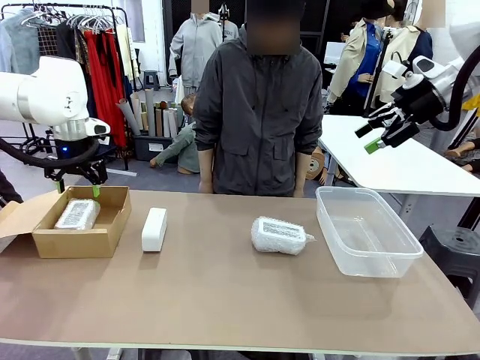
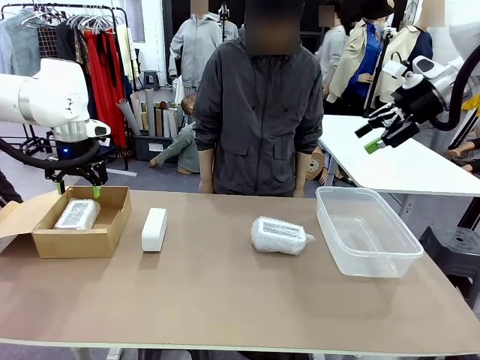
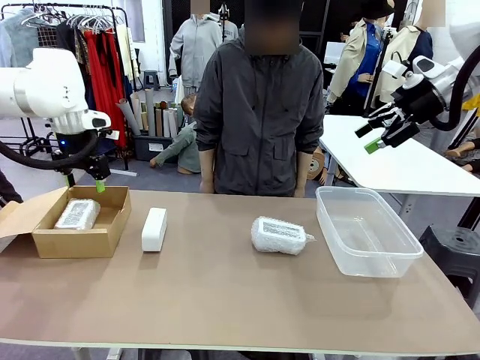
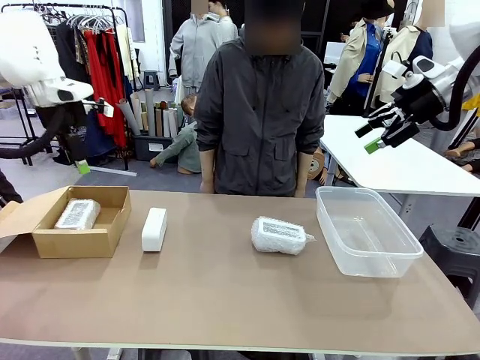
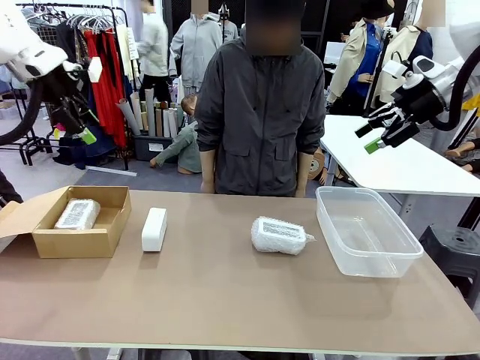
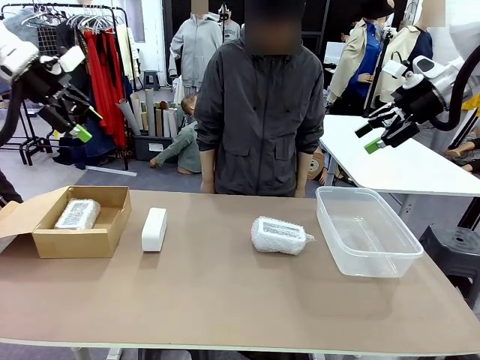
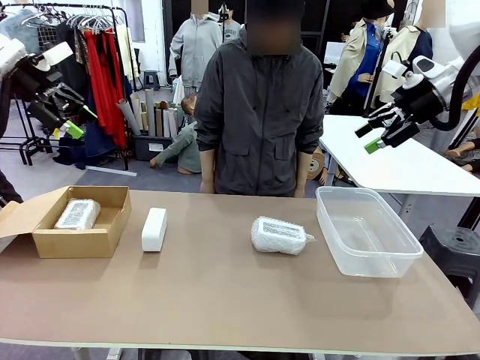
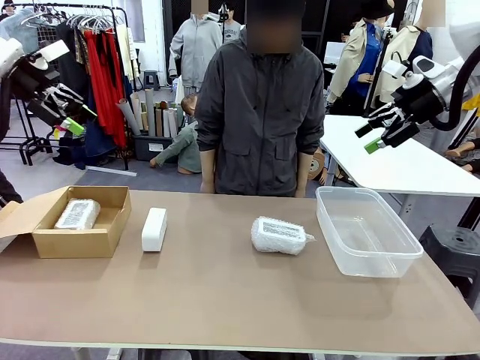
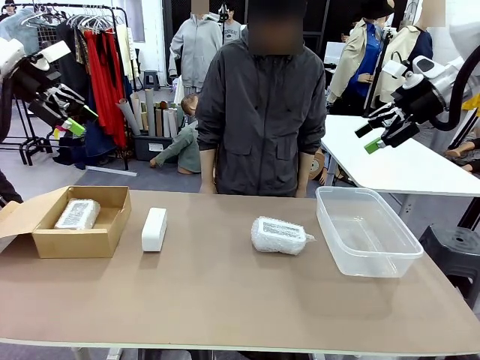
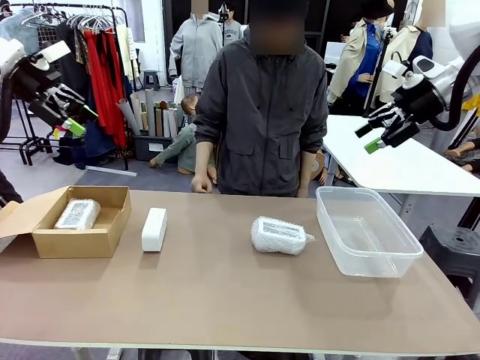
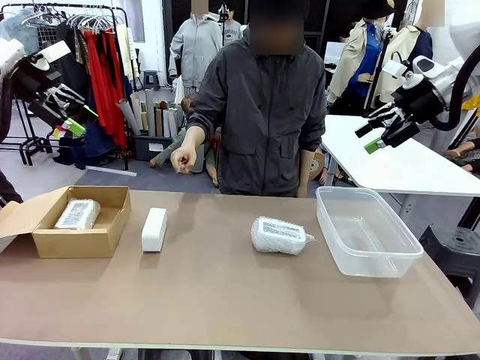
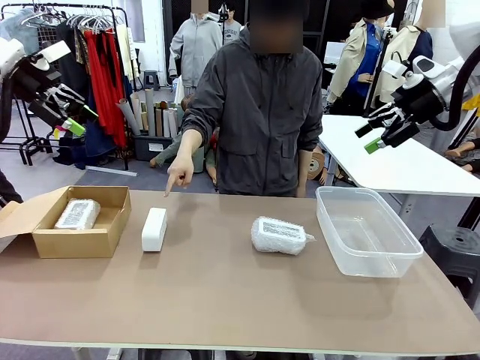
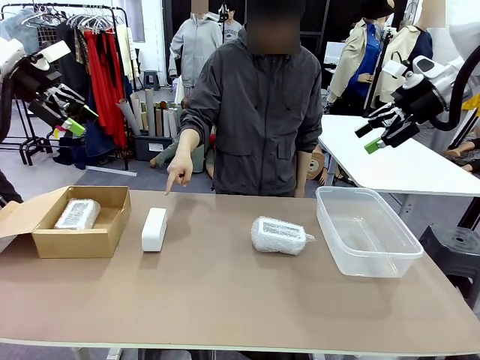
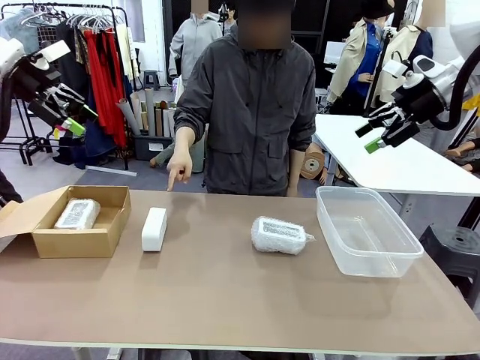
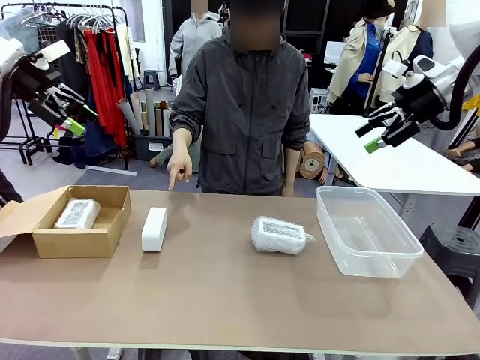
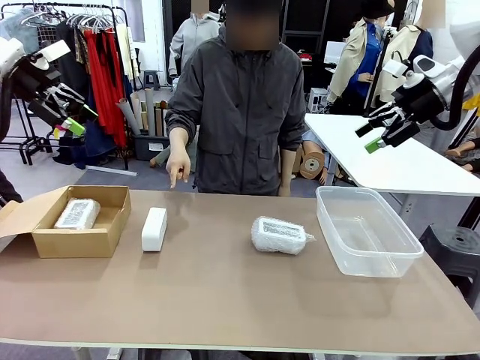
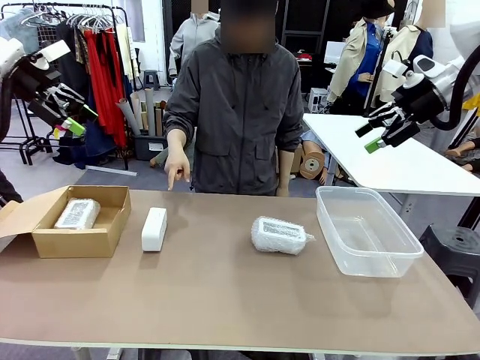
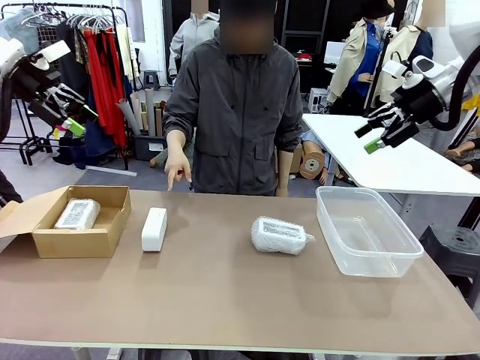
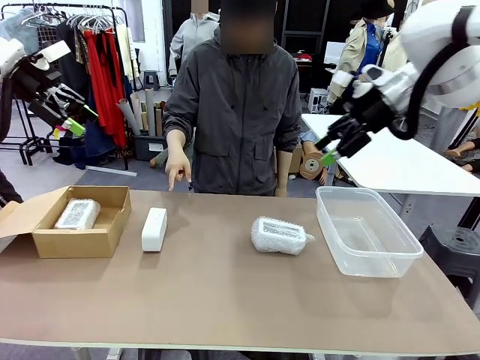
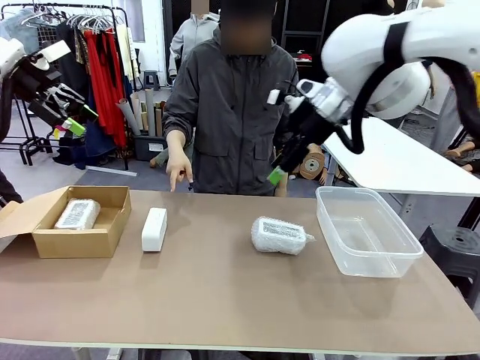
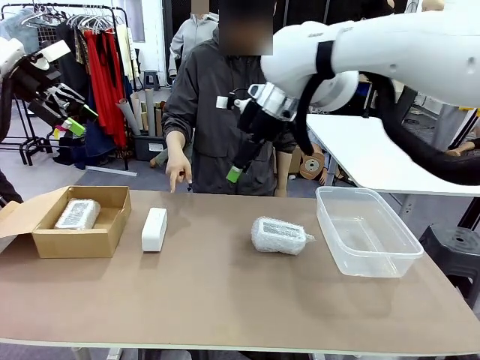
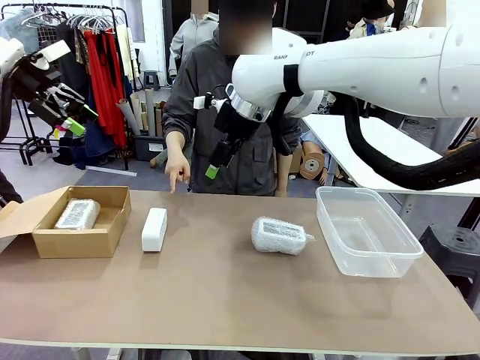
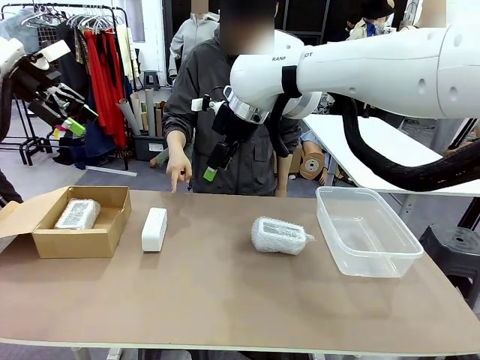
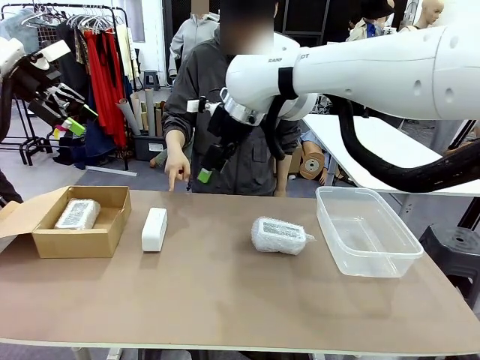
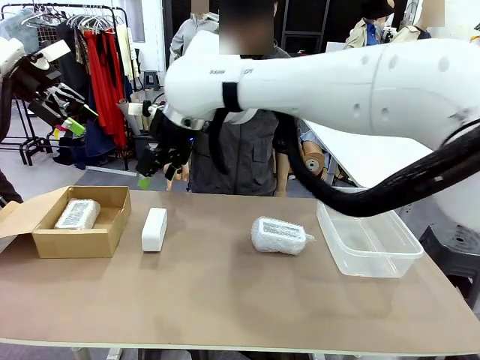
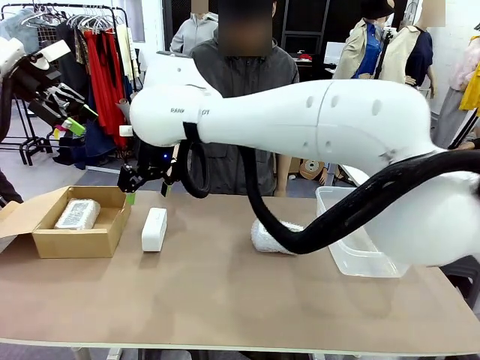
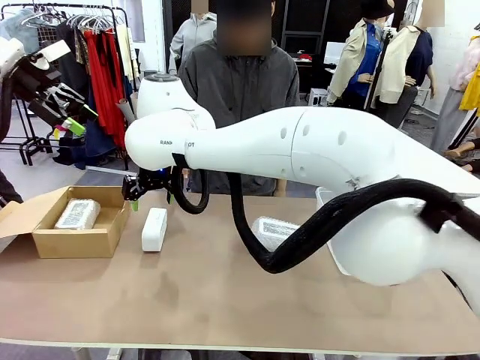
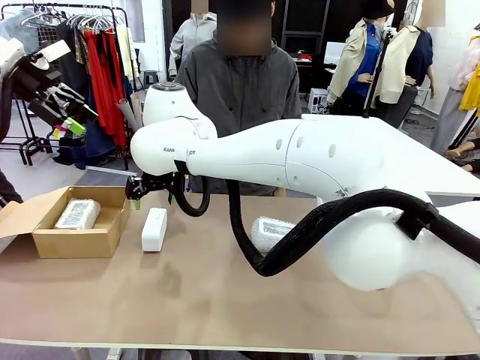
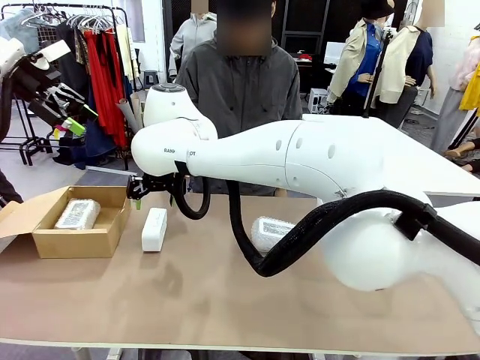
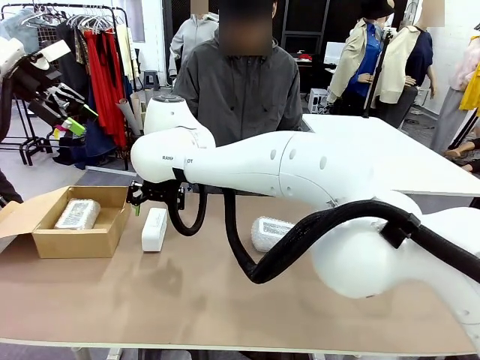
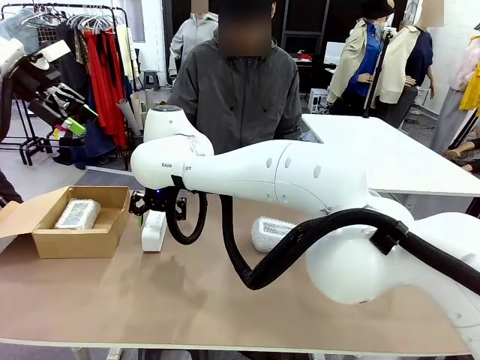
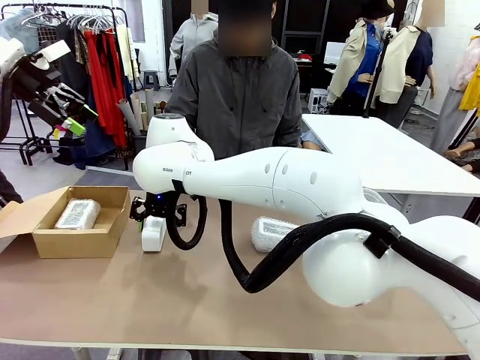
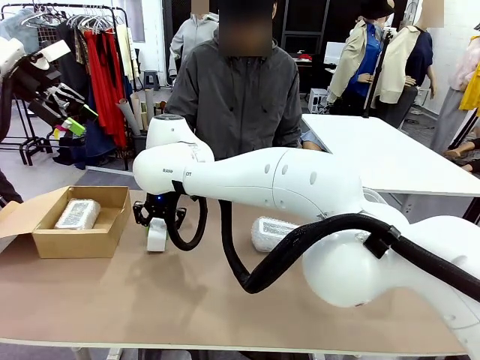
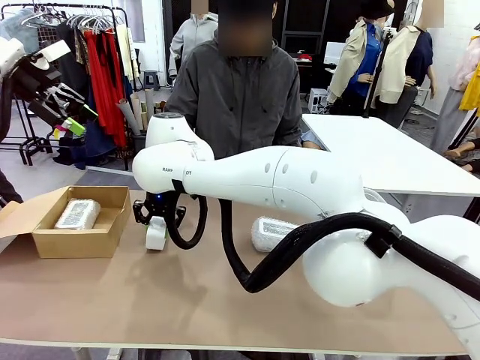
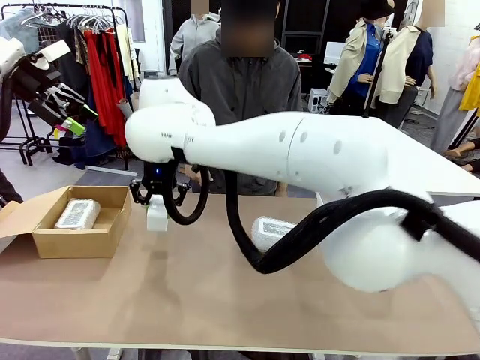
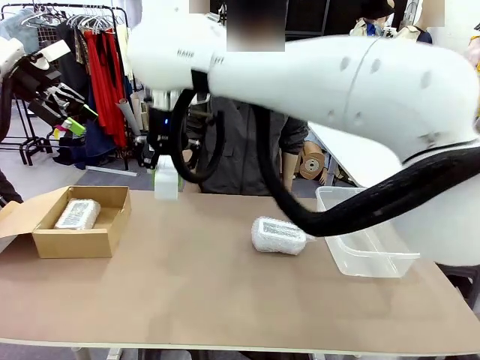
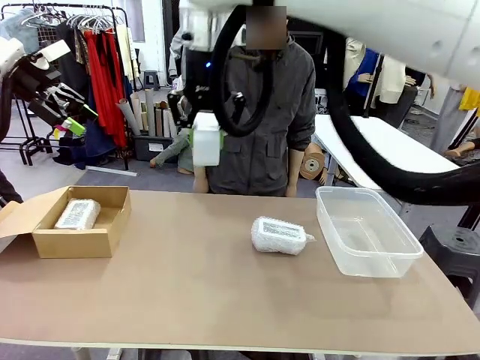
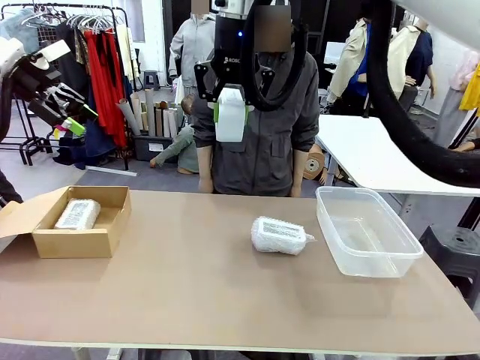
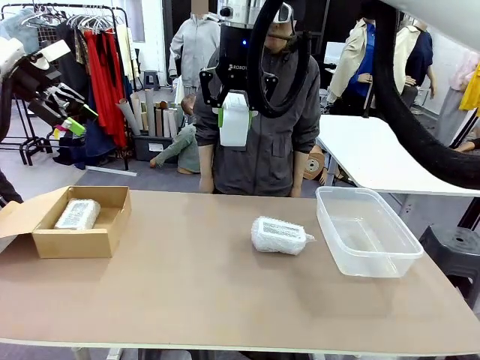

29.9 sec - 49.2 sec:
Task: Separate and place wrapped and unwrapped clocks.
Robot: Pick up the Digital clock indicated by the person.

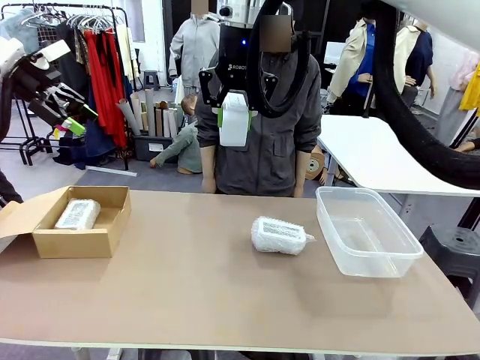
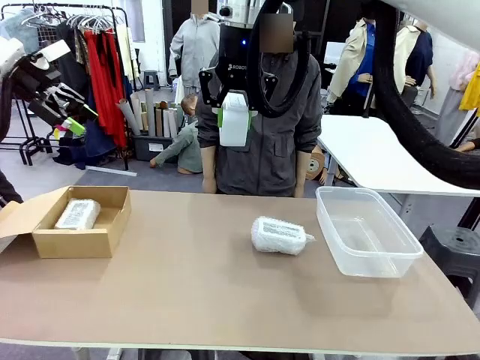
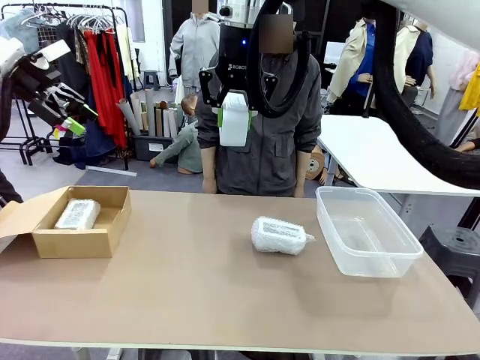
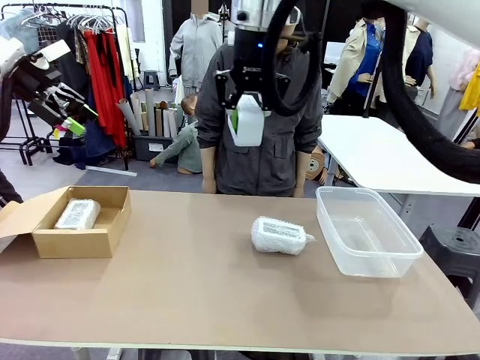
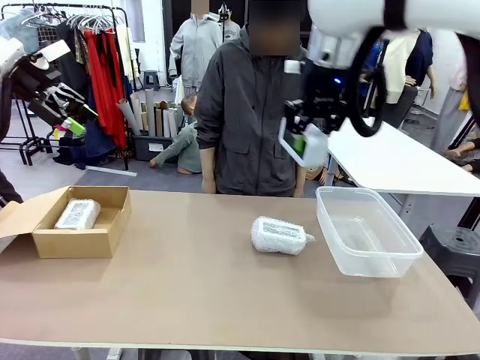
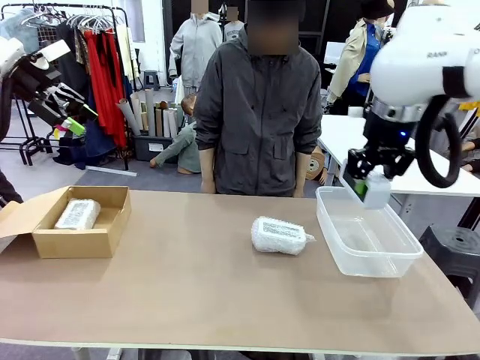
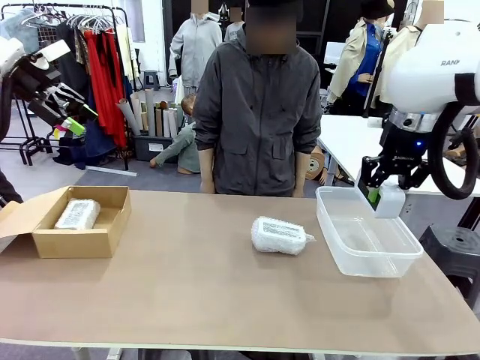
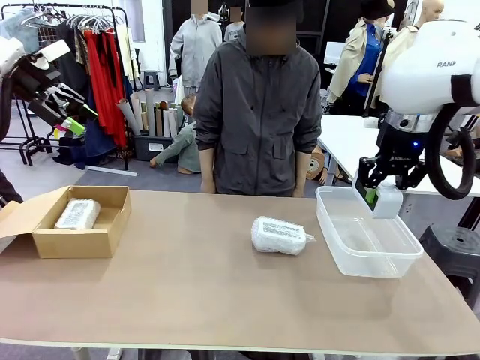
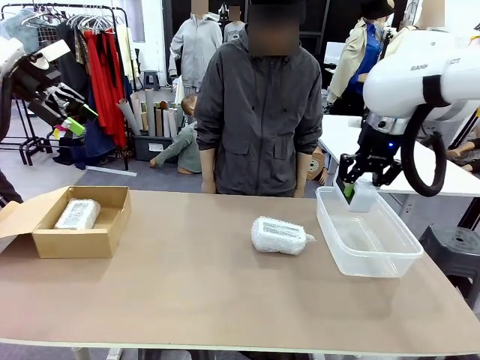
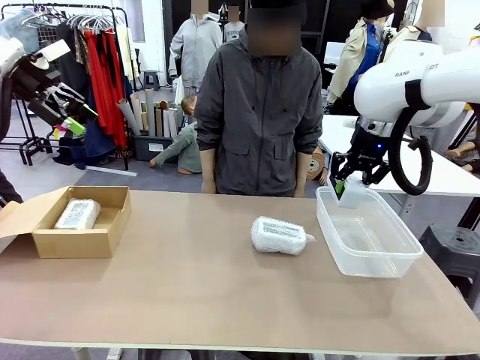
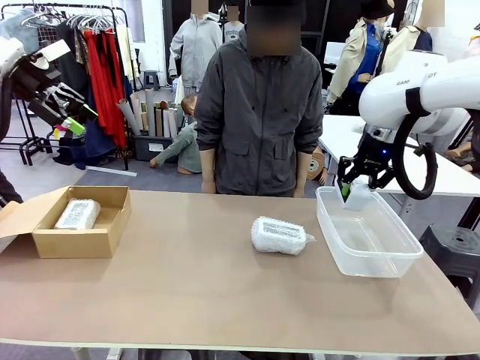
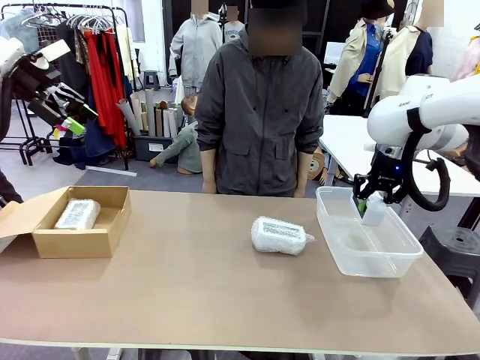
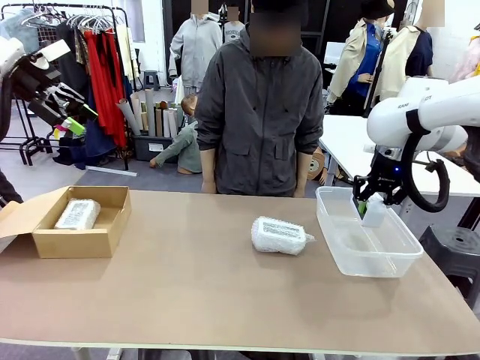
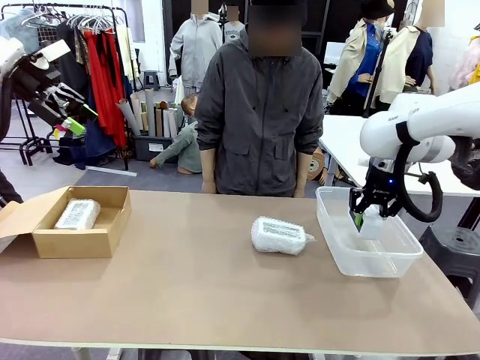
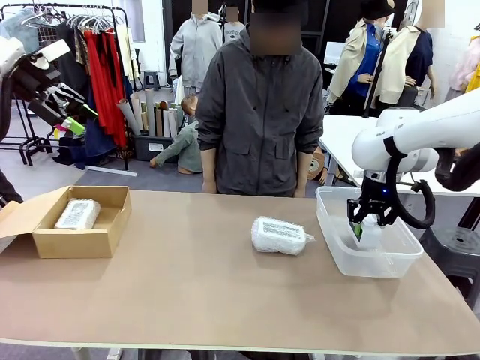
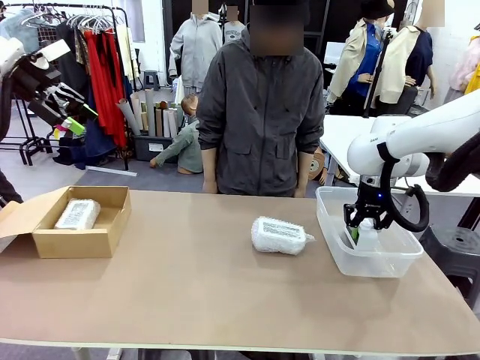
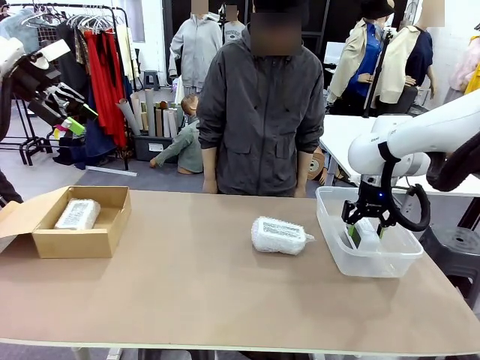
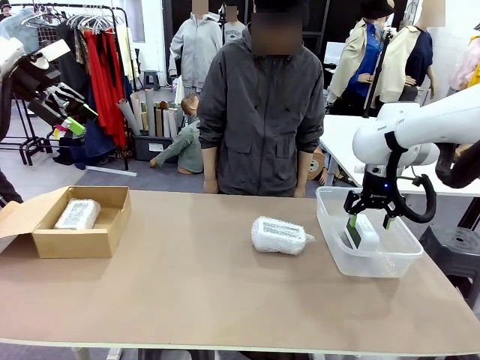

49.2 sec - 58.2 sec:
Robot: If the picked Digital clock is wrapped, place it in the Package Box ; if not, place it in the Organizing box.
